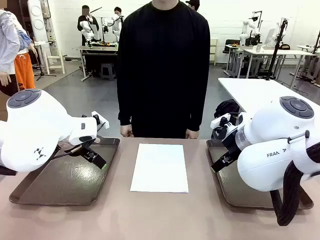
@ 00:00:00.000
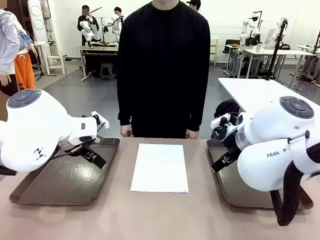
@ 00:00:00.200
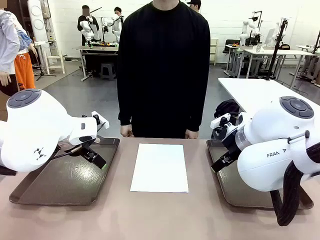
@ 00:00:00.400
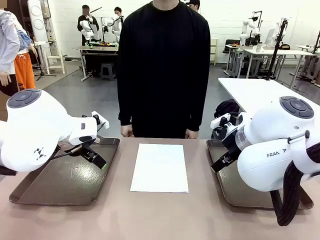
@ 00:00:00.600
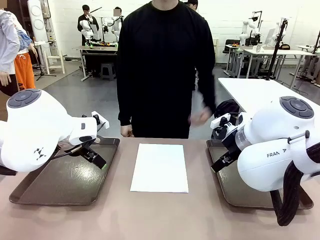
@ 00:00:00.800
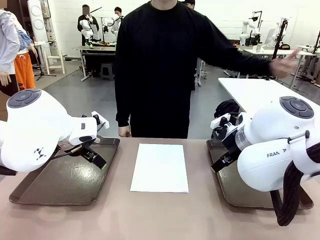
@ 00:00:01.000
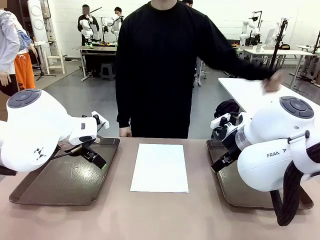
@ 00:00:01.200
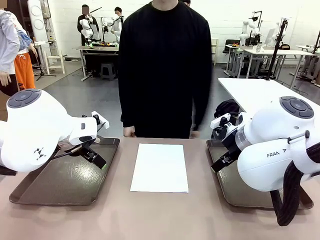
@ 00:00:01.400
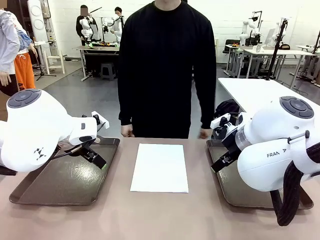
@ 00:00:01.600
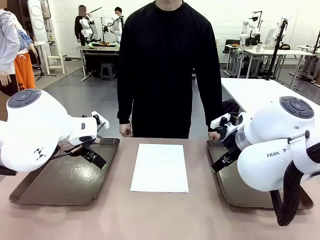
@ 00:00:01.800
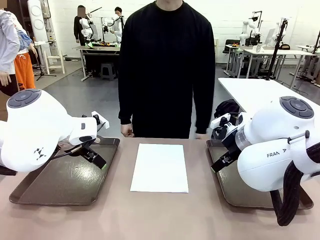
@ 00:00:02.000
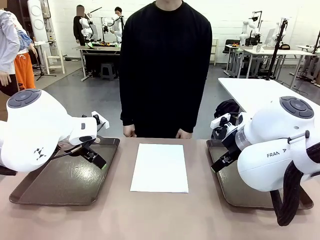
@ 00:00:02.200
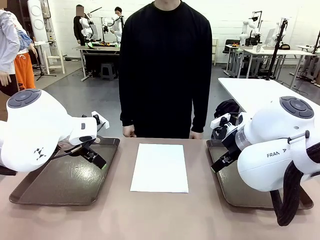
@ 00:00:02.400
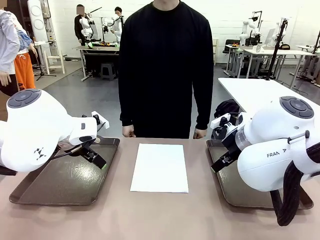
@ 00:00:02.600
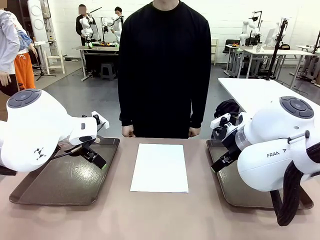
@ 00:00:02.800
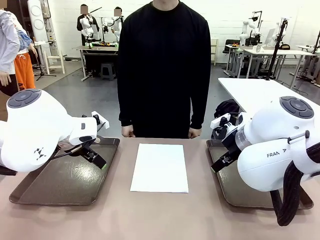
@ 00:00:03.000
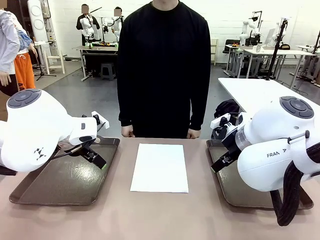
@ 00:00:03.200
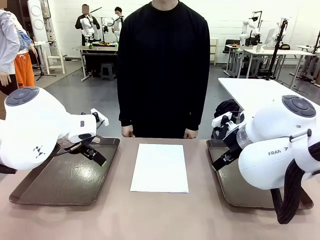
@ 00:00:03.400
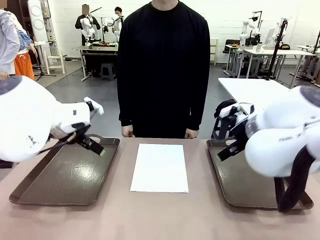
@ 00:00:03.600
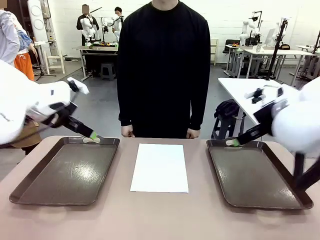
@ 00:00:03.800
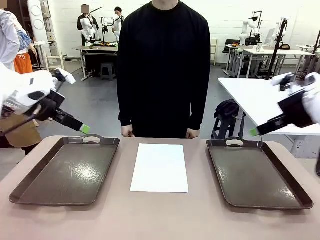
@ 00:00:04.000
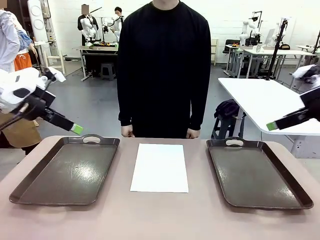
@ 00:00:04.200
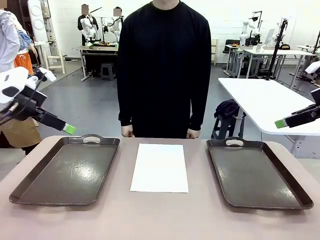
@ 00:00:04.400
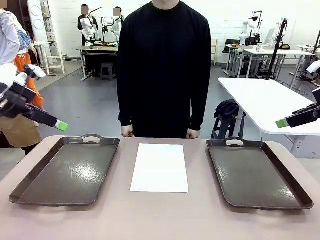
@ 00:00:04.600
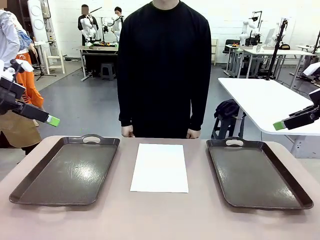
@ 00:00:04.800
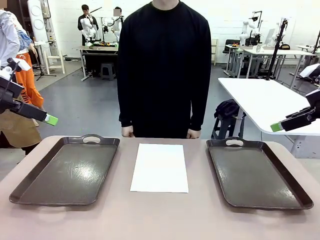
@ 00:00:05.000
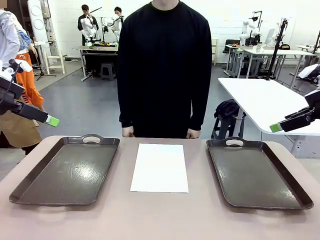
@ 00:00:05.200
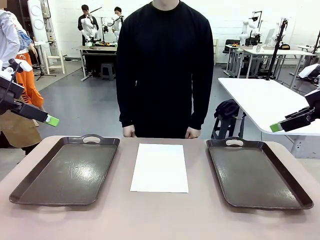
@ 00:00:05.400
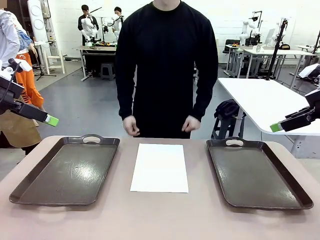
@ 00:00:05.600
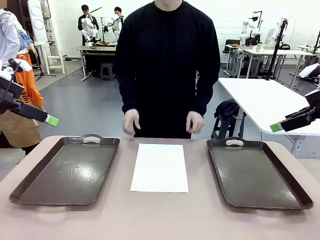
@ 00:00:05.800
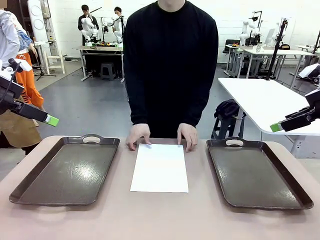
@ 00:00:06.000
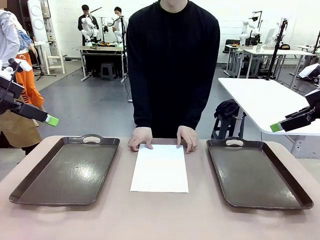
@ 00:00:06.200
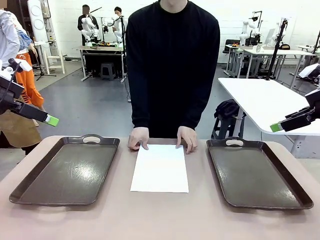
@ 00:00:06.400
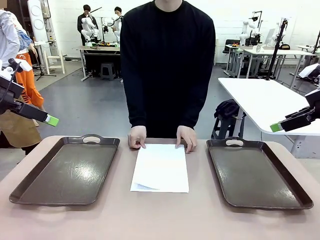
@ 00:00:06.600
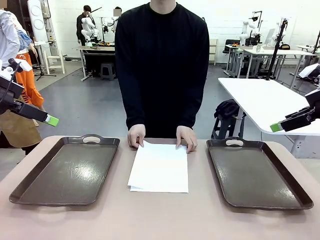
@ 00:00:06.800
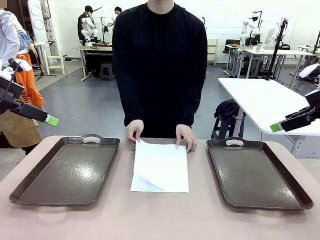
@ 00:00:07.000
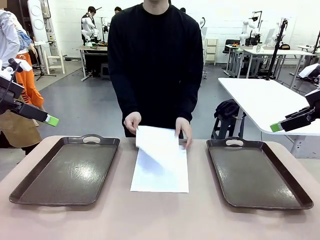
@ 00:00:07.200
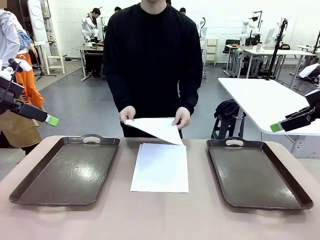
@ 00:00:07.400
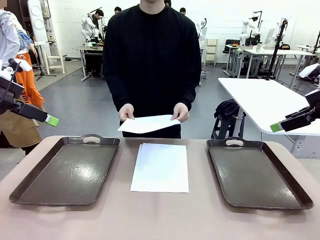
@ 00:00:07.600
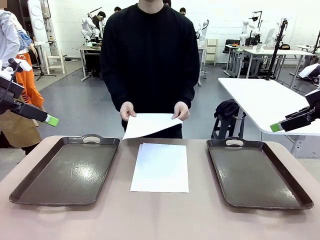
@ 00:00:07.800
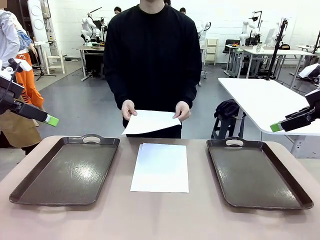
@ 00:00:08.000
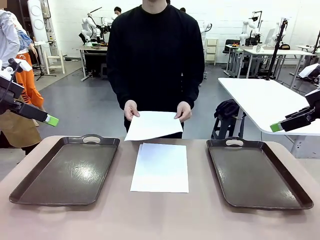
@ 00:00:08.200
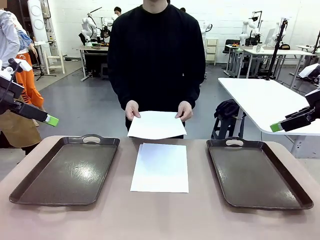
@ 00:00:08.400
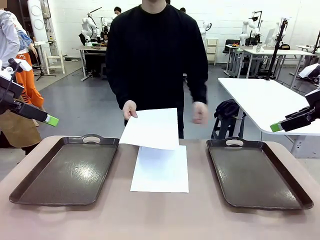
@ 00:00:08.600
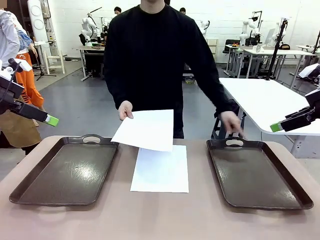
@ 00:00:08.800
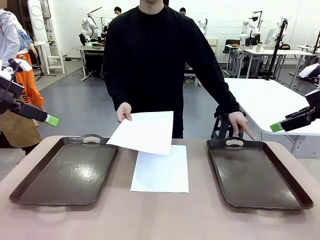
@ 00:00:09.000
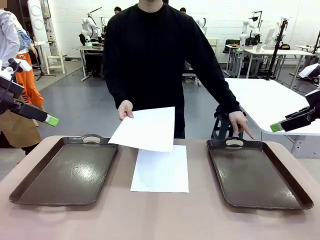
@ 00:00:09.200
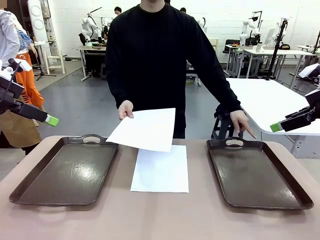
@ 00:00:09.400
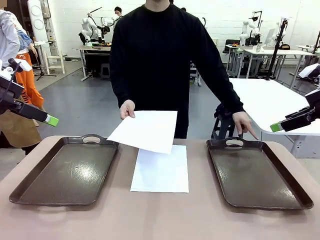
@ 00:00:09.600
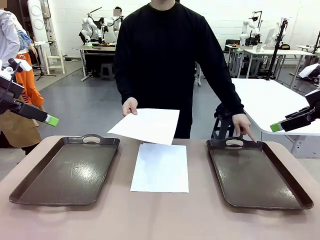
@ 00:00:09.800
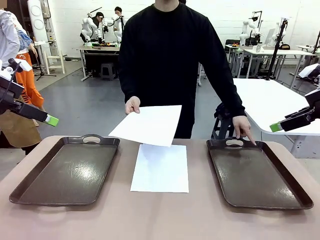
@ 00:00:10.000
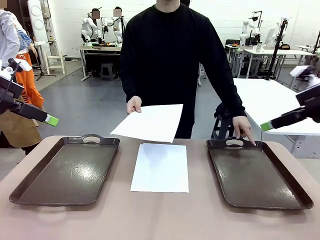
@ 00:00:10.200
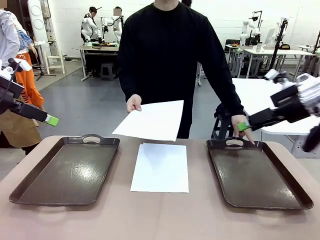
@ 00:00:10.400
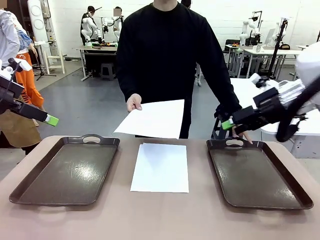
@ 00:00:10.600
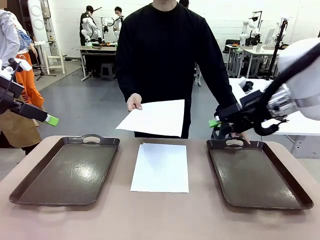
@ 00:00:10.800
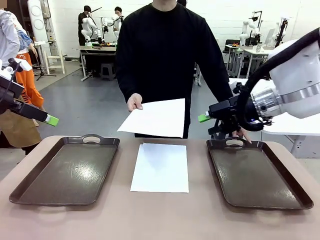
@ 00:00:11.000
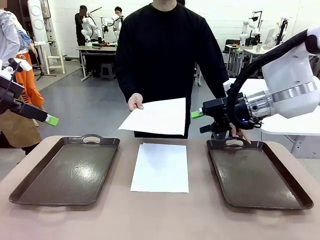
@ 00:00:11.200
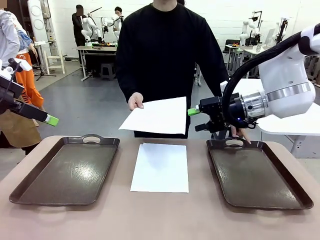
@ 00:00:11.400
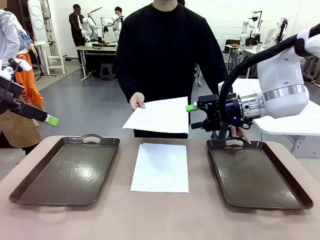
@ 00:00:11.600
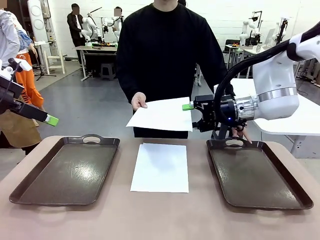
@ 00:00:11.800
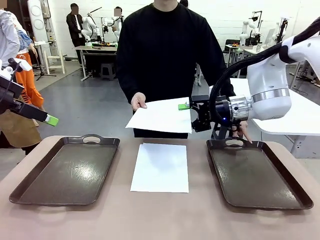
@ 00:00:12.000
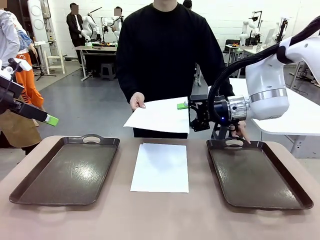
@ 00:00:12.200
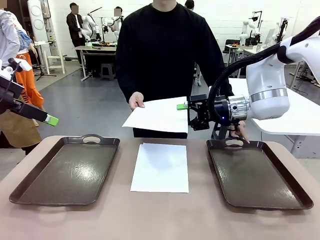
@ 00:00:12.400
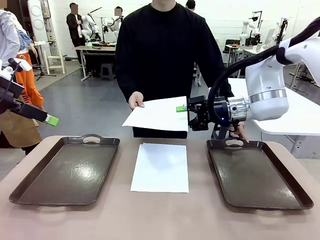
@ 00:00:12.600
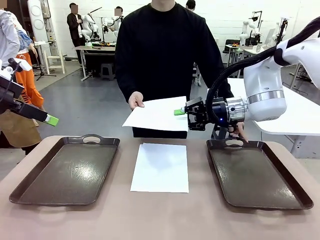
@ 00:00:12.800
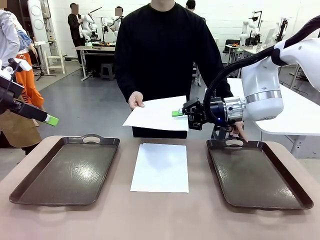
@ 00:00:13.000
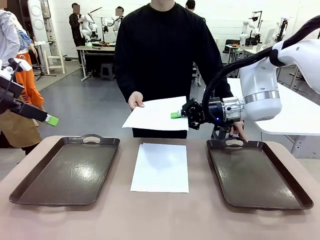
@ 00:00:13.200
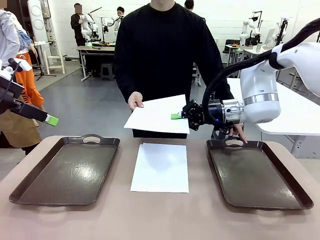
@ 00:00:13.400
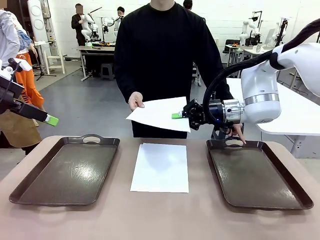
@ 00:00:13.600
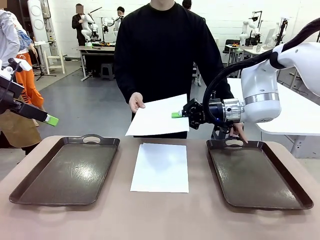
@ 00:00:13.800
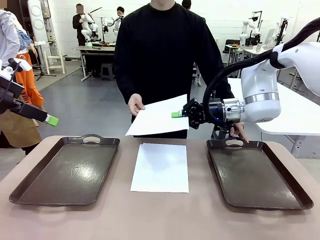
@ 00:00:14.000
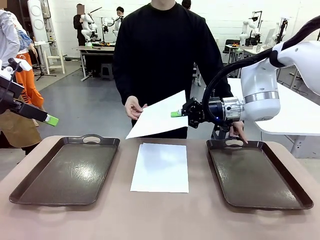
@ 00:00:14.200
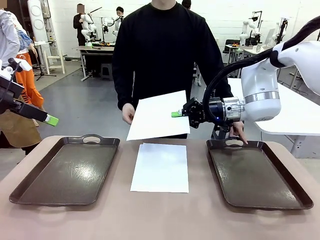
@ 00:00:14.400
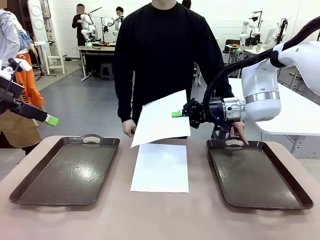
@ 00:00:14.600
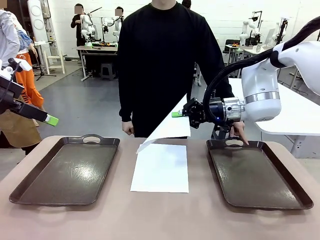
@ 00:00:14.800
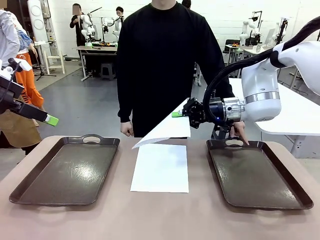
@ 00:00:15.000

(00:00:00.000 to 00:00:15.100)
Task: Sort the A4 documents.
Robot: Receive the A4 Paper.
Person: Pick up a sheet of paper from the center of the table and hand it to the robot. Point the randomly selected tray with the other hand.

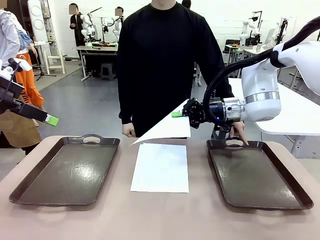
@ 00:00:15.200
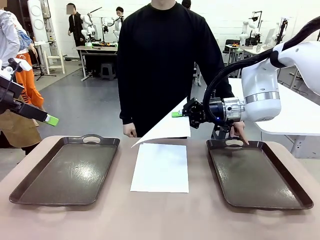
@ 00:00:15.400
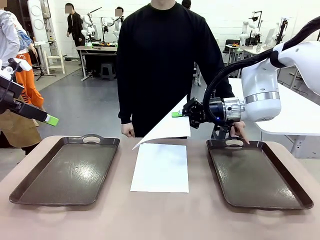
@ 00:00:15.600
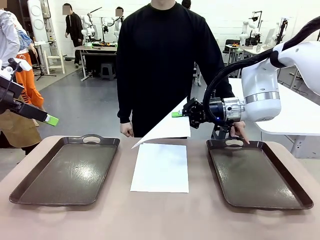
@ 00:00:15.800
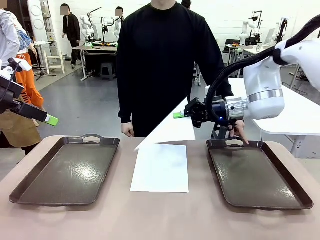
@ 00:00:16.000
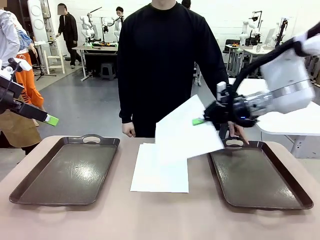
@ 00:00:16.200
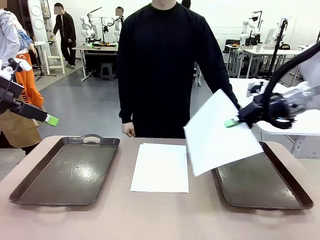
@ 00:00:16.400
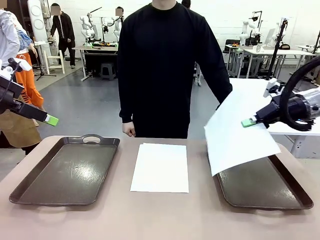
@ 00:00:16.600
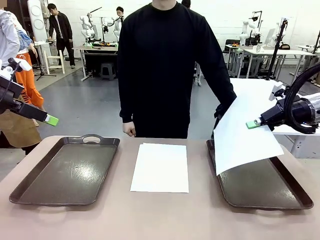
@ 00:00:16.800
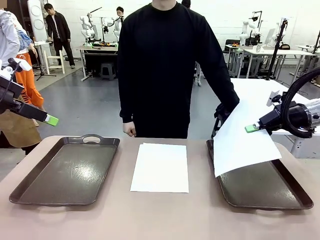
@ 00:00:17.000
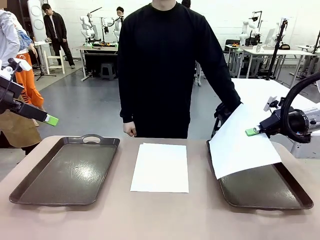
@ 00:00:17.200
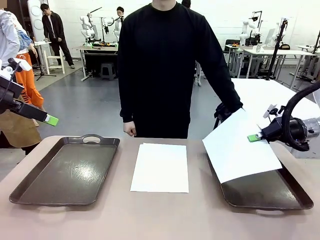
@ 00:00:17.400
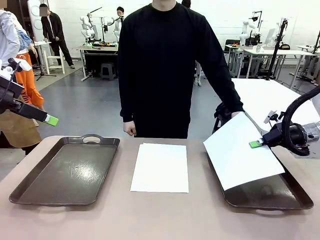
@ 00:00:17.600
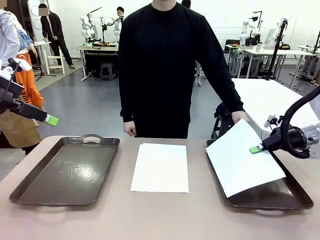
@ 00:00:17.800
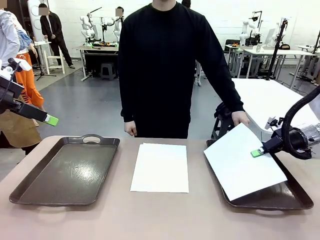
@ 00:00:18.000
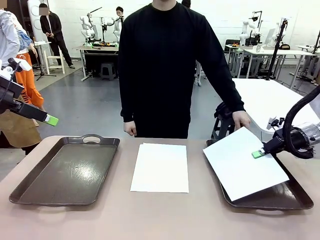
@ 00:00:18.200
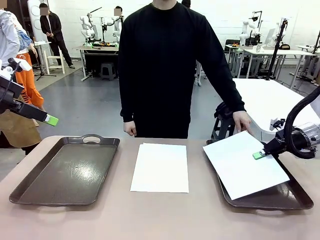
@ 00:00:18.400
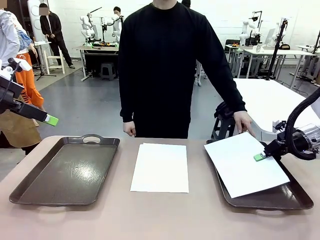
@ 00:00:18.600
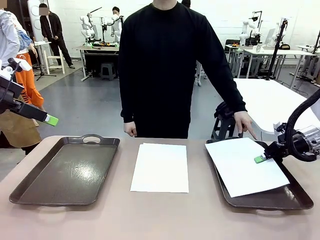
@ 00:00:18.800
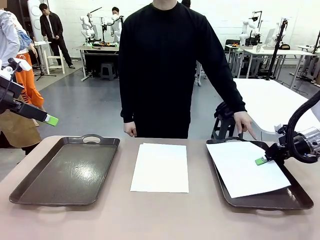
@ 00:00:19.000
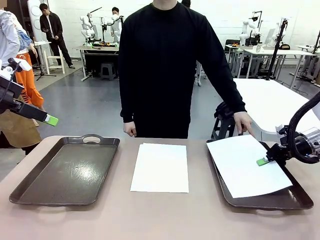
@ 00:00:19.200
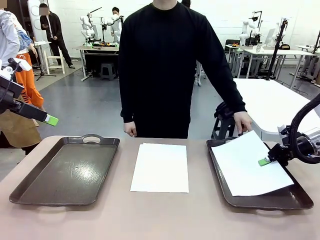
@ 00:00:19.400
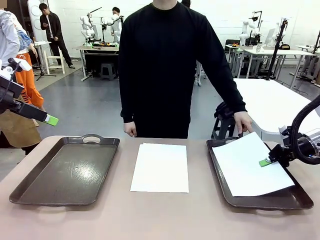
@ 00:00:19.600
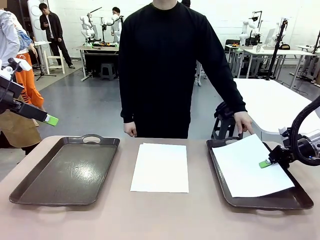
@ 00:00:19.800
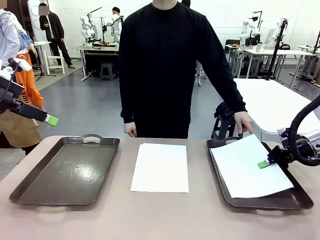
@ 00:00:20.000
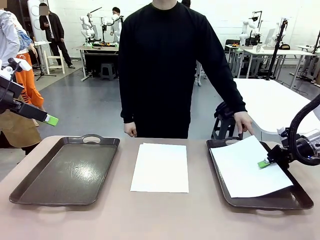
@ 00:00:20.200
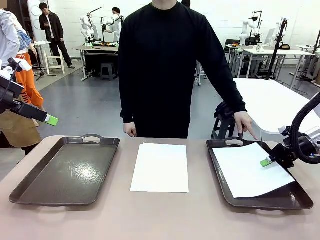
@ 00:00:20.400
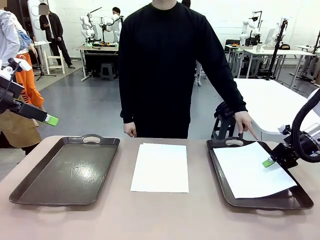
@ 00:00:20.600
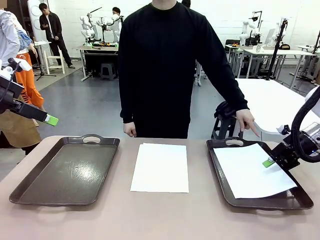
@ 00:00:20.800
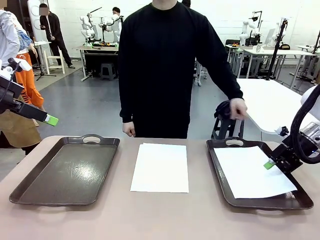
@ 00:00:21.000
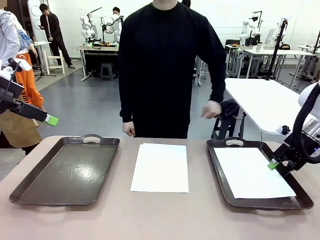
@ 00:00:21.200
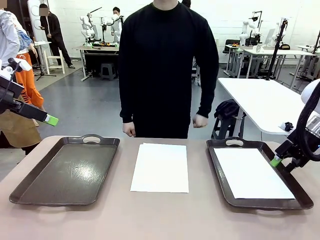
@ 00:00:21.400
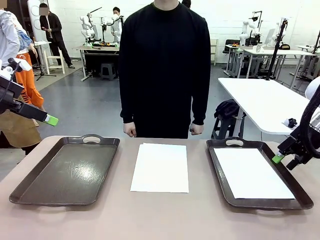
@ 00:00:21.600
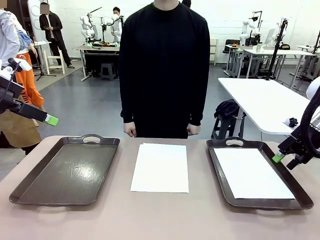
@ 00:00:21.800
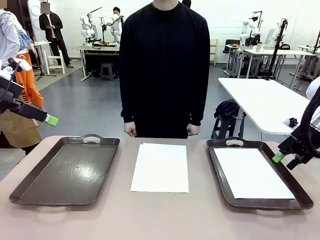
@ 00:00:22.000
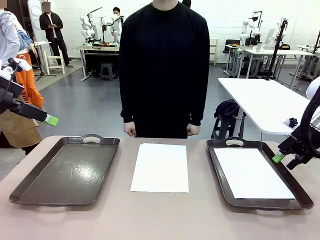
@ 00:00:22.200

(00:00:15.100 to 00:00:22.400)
Robot: Place the A4 Paper in the designated Handle tray.
